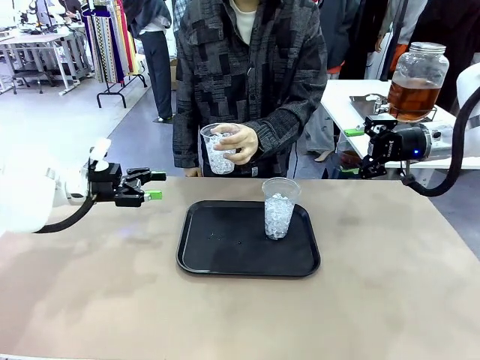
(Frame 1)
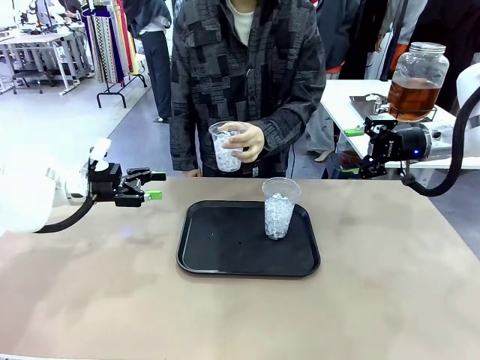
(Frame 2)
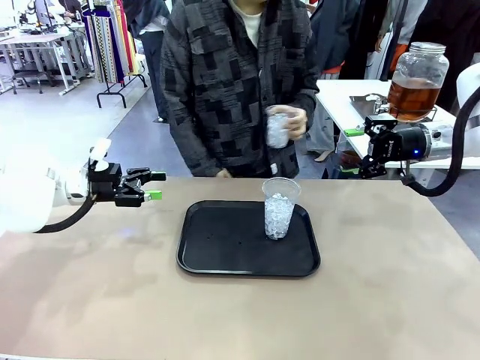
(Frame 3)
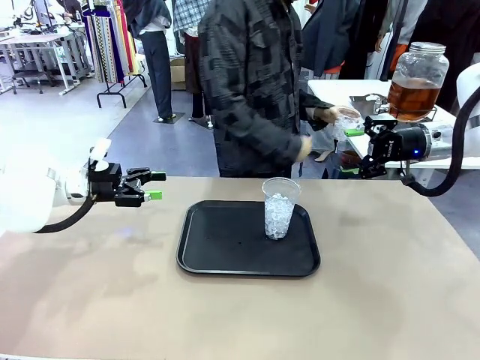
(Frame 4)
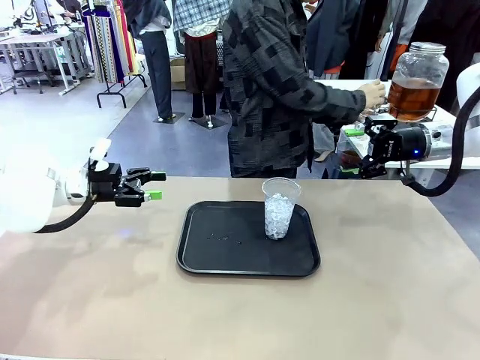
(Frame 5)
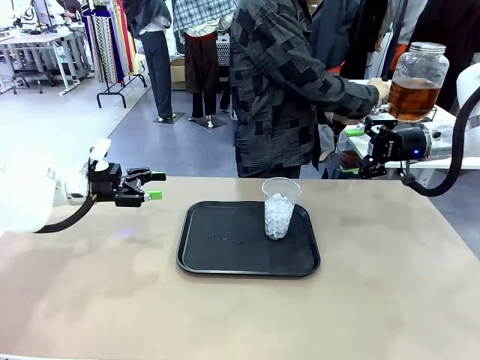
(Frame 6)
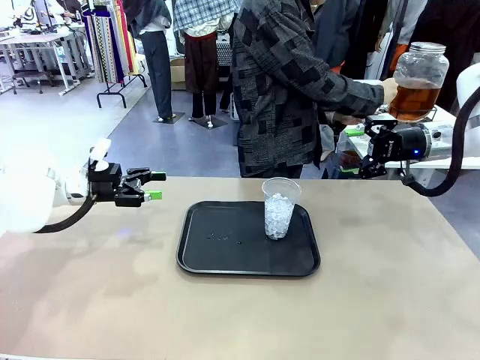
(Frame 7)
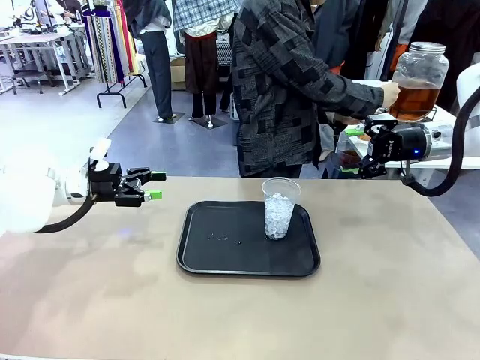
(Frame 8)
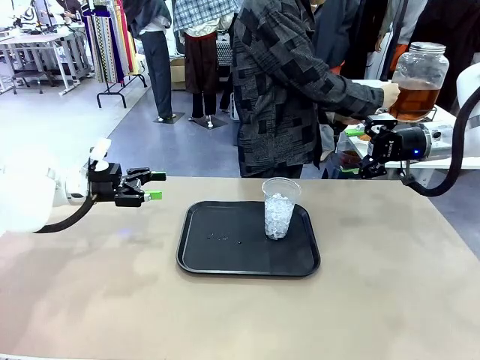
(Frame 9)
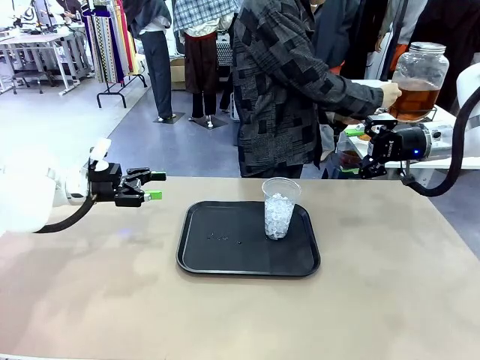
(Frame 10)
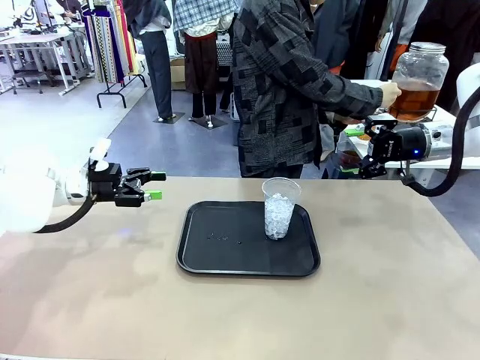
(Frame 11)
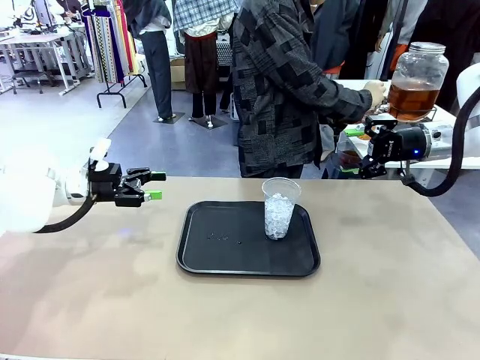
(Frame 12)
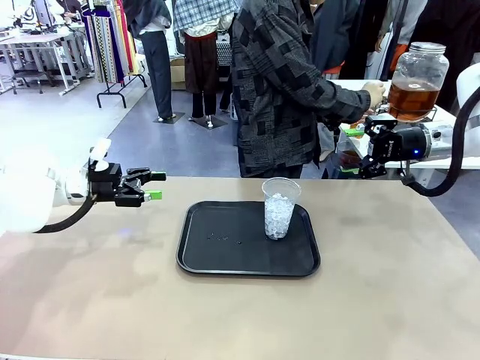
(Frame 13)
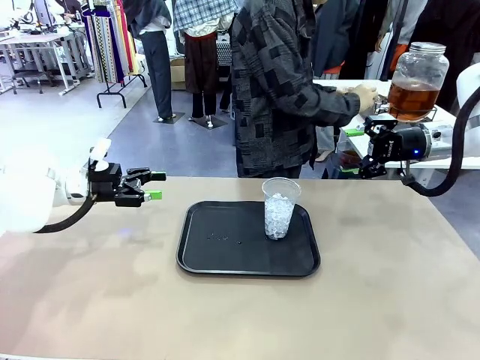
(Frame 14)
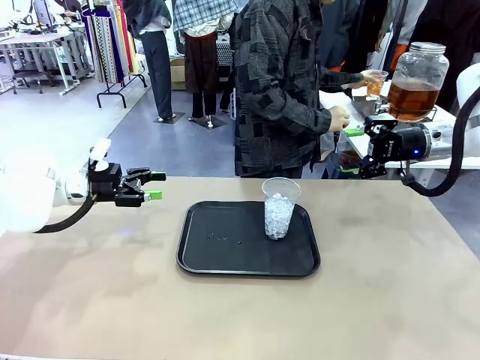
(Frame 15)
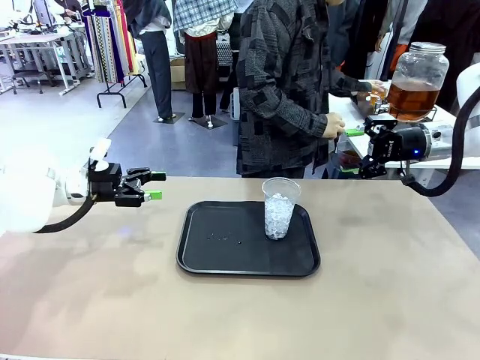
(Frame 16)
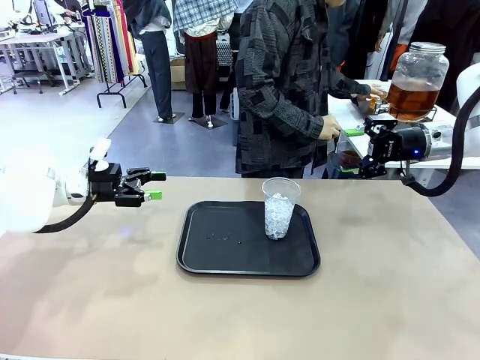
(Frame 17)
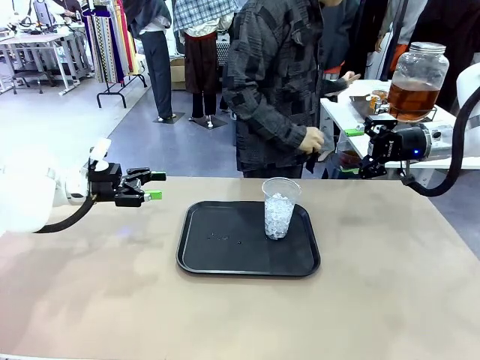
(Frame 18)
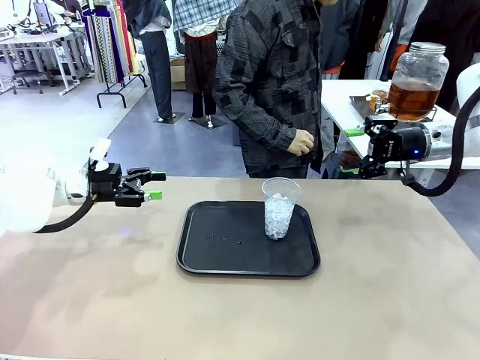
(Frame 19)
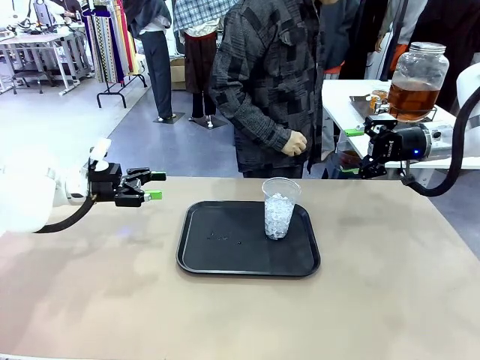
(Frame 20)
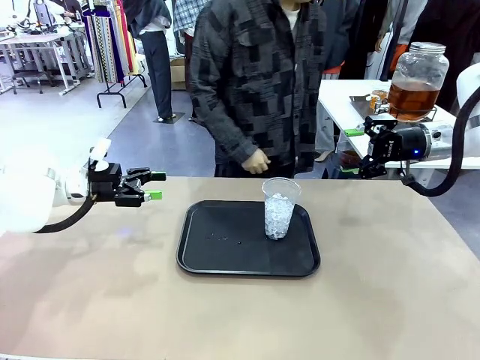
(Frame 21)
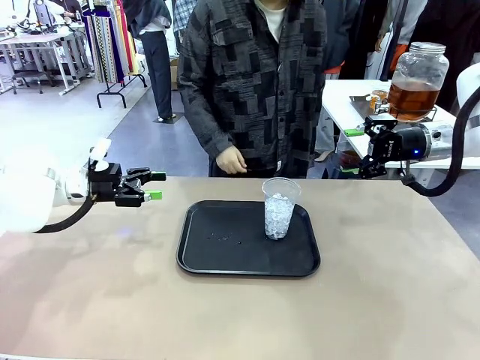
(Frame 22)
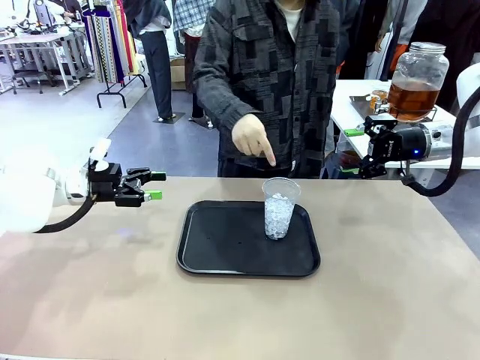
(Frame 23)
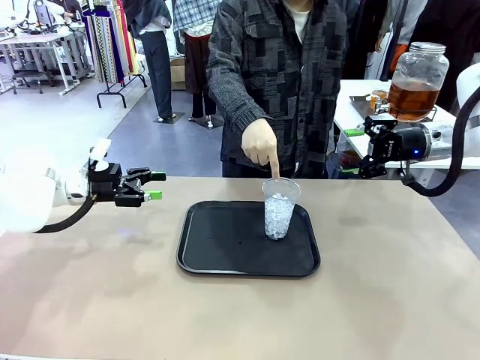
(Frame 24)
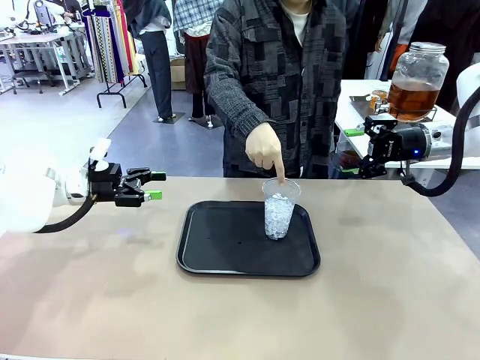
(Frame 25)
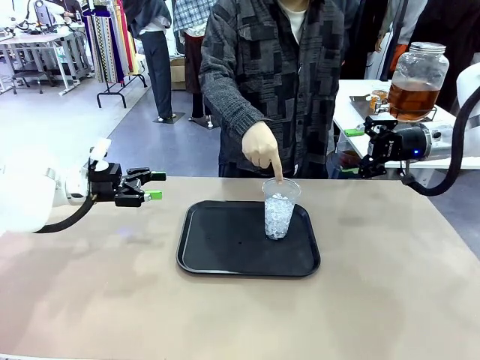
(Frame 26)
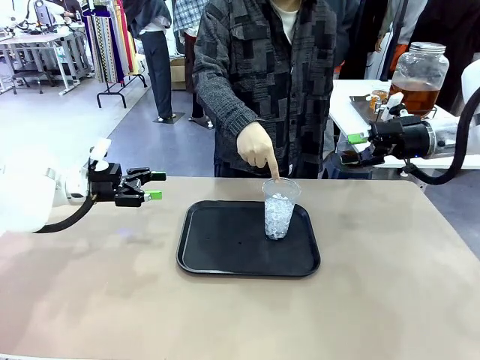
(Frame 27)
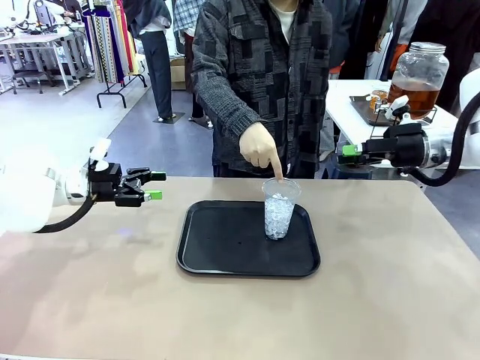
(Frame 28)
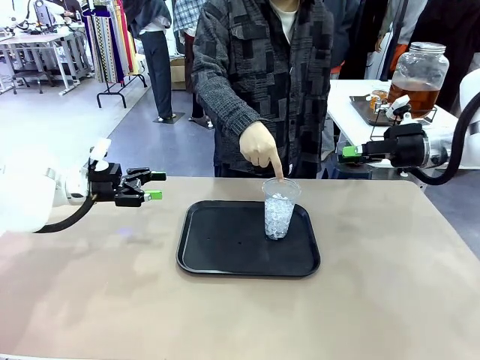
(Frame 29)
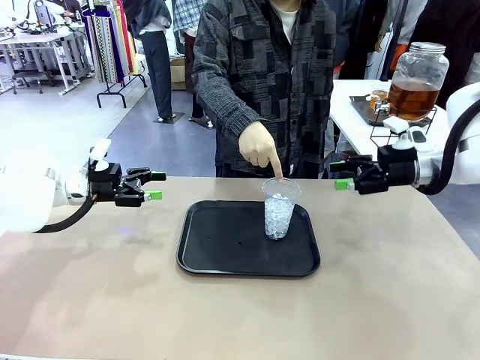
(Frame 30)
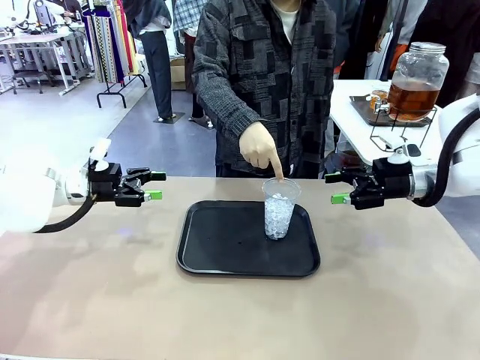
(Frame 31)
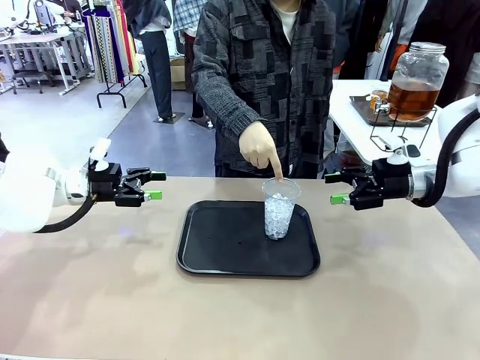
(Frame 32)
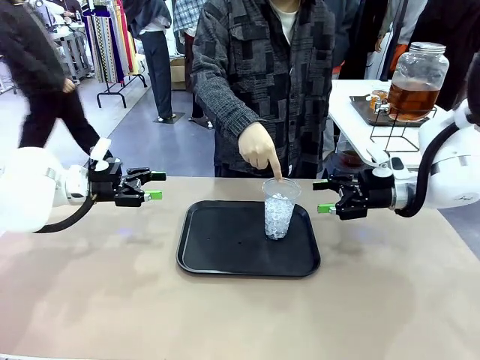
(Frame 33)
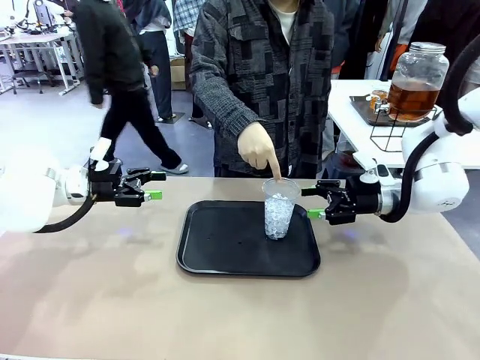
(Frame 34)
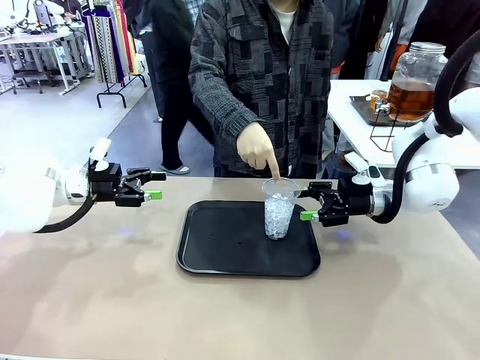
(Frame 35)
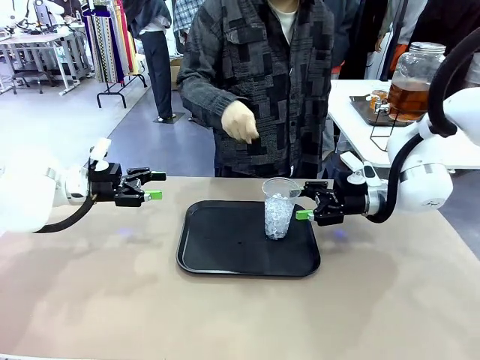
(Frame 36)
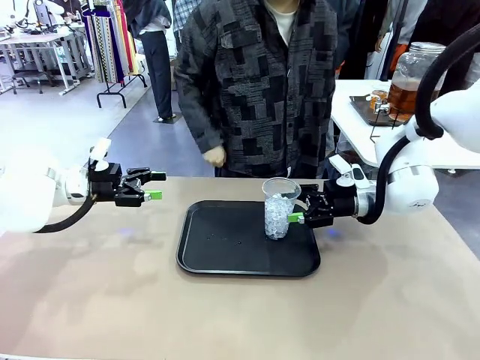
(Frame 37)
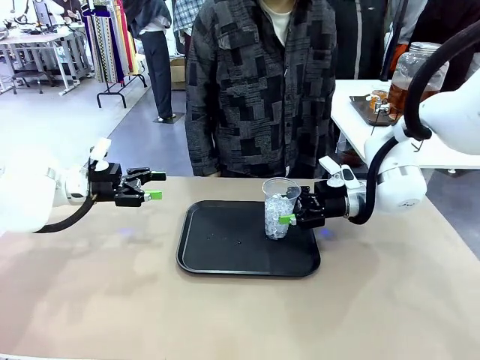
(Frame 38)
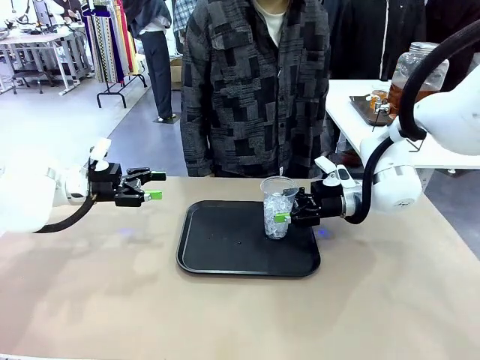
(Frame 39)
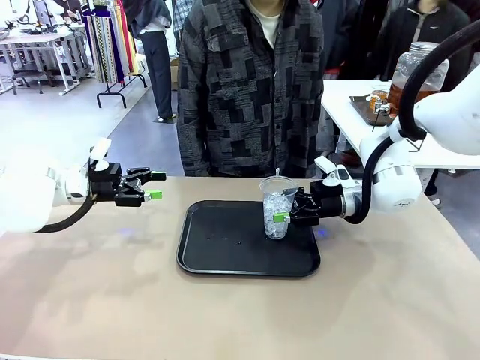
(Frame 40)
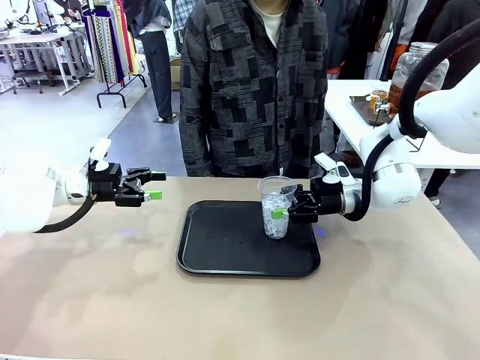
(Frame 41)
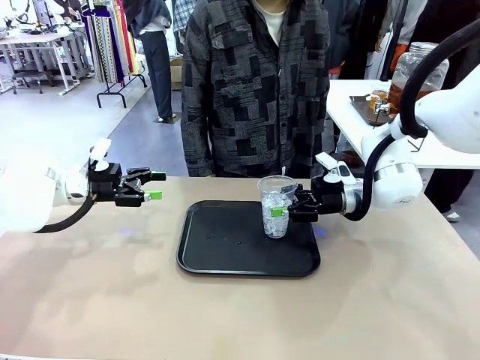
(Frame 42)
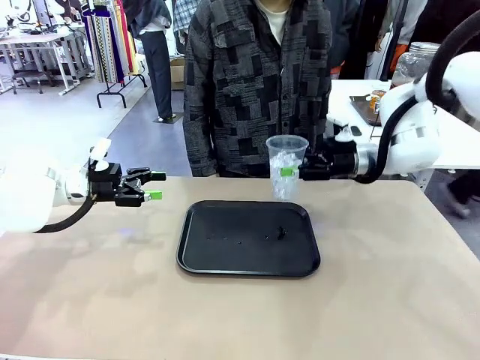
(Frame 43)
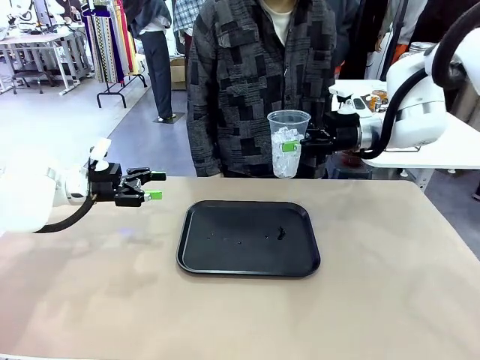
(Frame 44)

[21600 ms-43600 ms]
Task: Pour the drink into the iced cup.
Robot: Pick up the iced cup indicated by the human and present it to them.
Person: Move the picked-up cup under the dispenser faucet, pour the drink, and place it on the tray on the human table. Point to the remaining ice cup on the robot table. Pick up the cup offered by the robot.

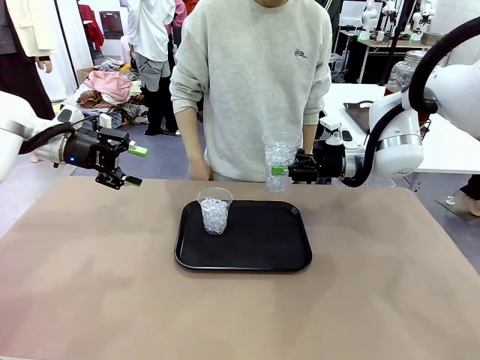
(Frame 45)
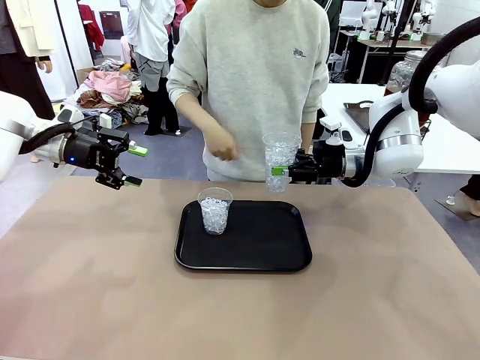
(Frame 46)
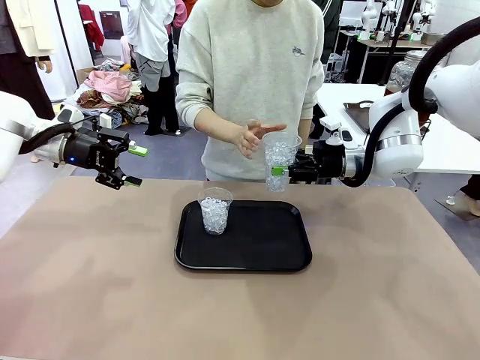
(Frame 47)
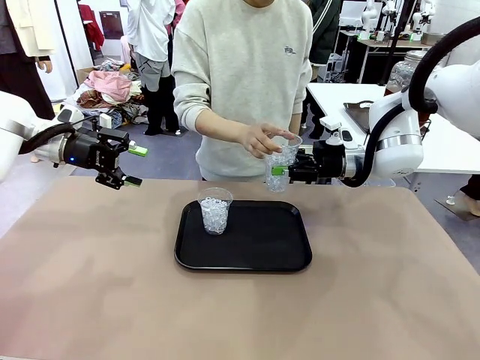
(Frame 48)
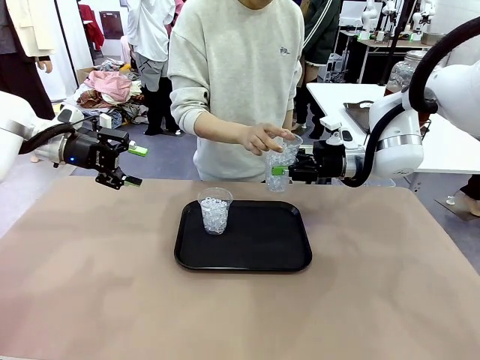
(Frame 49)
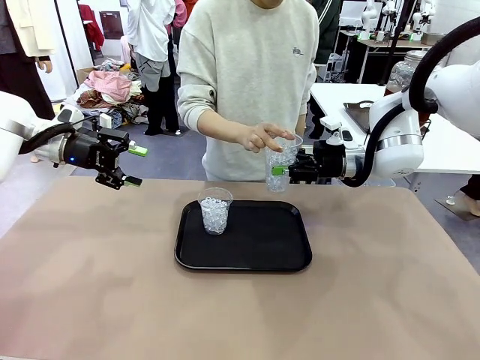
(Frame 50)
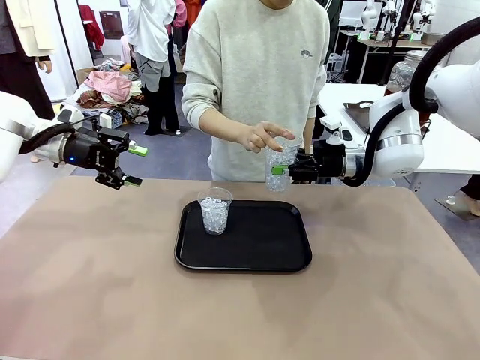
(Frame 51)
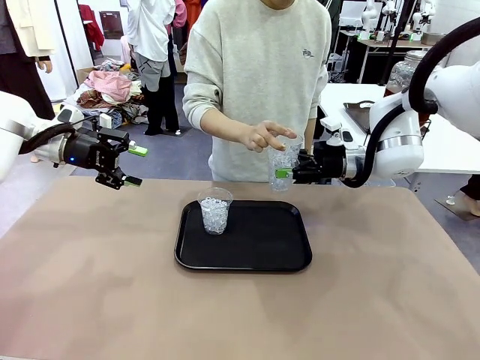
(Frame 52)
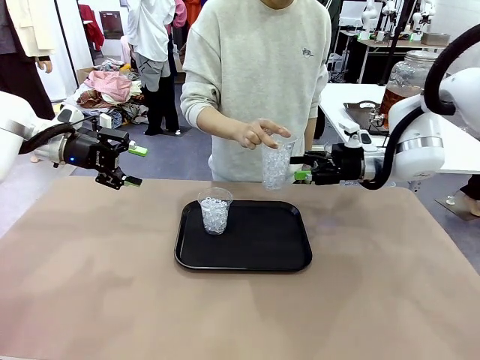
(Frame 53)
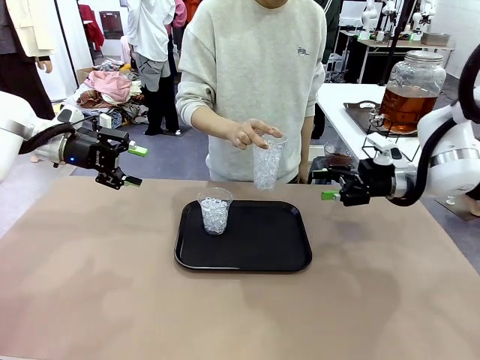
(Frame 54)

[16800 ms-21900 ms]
Task: Pour the drink into the iced cup.
Robot: Open the gripper to release the iced cup you were holding.
